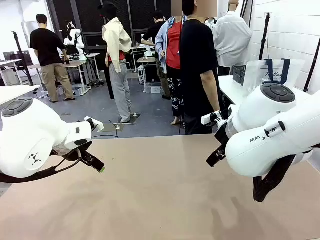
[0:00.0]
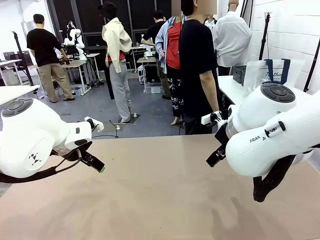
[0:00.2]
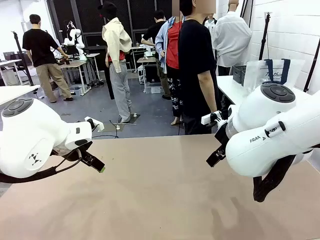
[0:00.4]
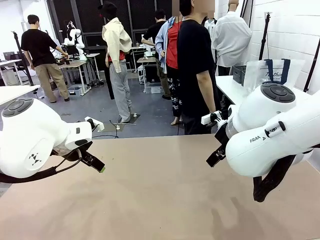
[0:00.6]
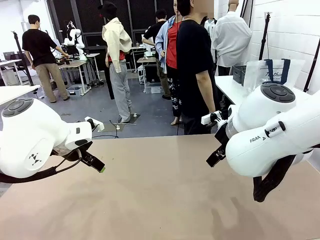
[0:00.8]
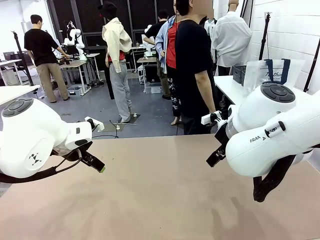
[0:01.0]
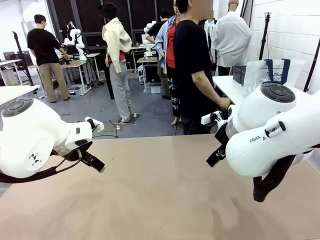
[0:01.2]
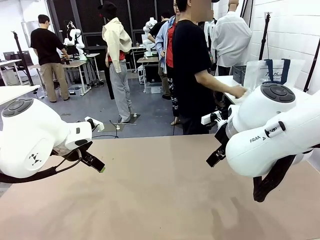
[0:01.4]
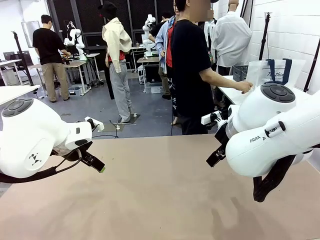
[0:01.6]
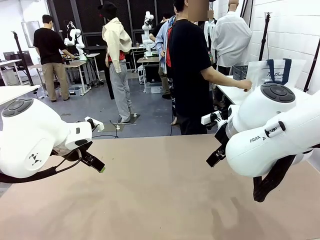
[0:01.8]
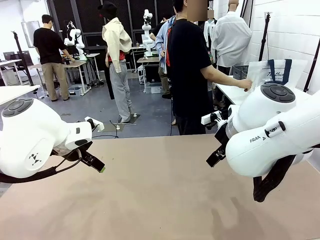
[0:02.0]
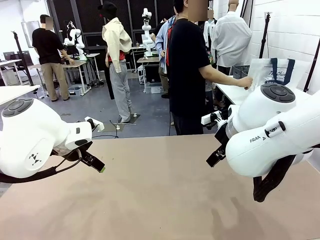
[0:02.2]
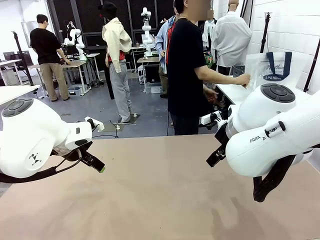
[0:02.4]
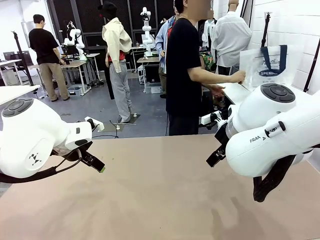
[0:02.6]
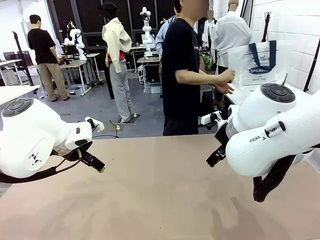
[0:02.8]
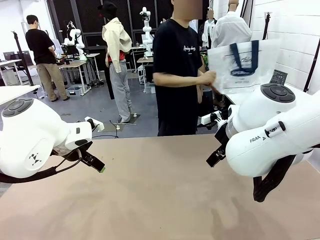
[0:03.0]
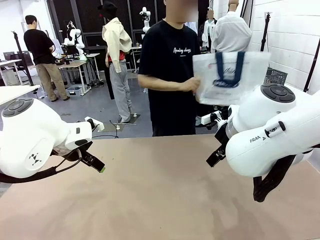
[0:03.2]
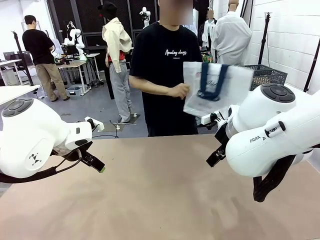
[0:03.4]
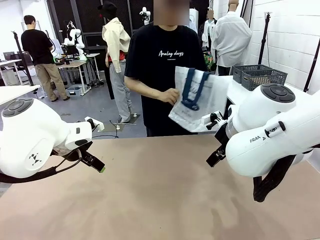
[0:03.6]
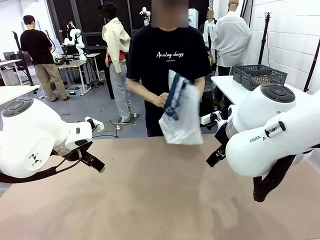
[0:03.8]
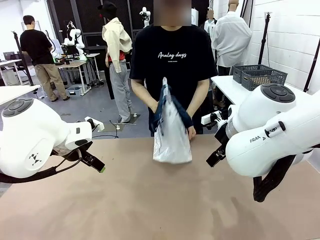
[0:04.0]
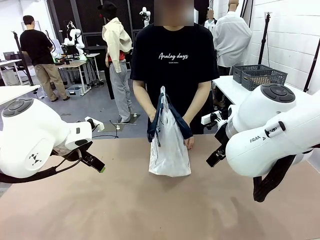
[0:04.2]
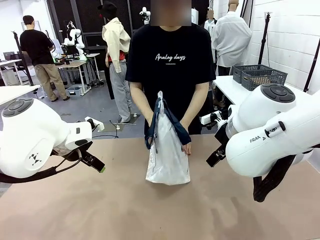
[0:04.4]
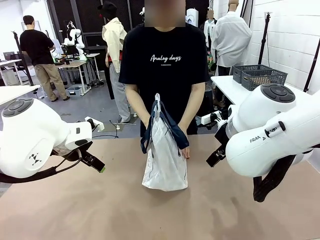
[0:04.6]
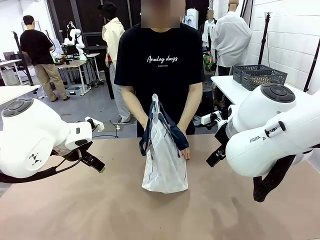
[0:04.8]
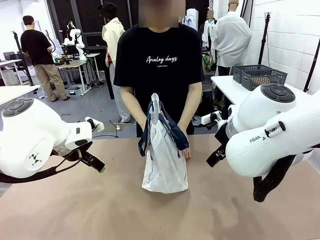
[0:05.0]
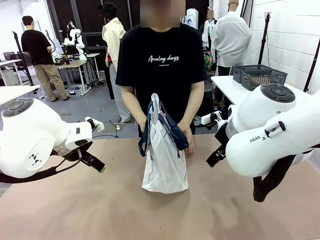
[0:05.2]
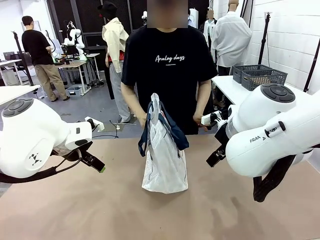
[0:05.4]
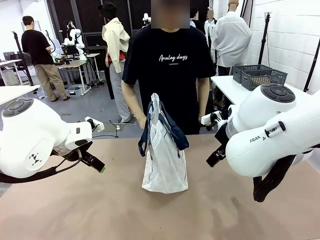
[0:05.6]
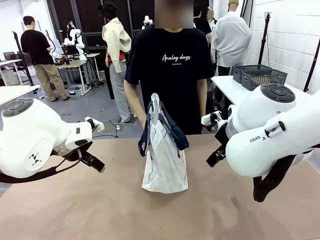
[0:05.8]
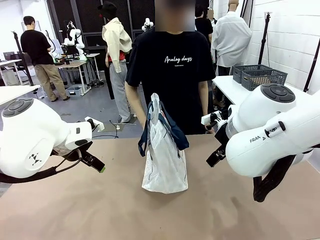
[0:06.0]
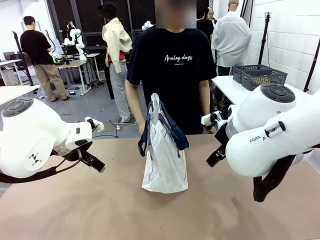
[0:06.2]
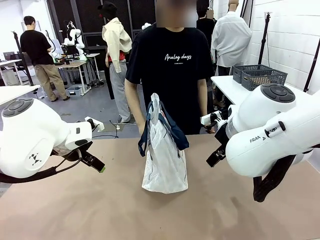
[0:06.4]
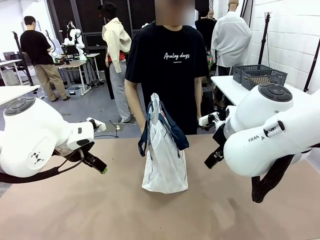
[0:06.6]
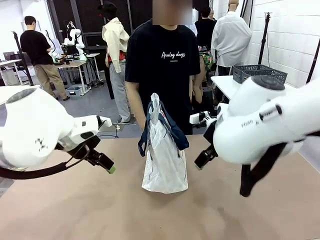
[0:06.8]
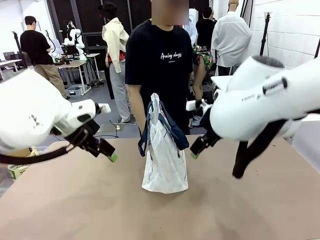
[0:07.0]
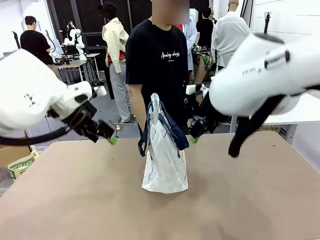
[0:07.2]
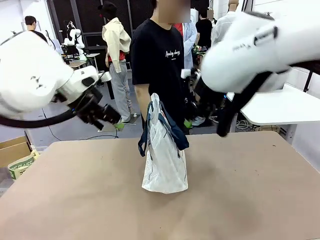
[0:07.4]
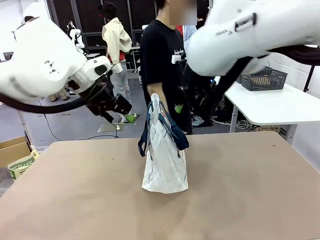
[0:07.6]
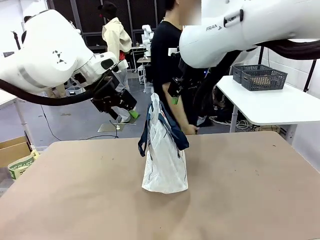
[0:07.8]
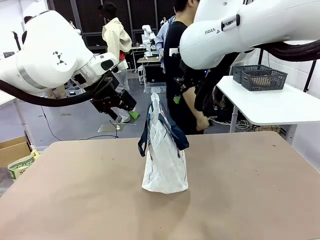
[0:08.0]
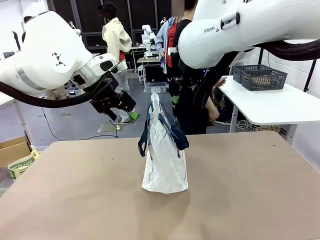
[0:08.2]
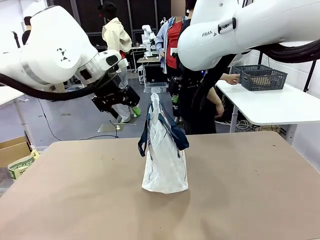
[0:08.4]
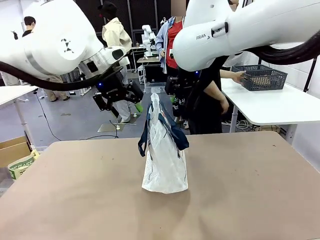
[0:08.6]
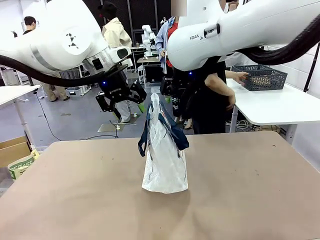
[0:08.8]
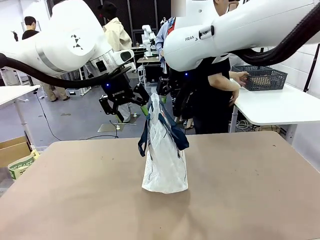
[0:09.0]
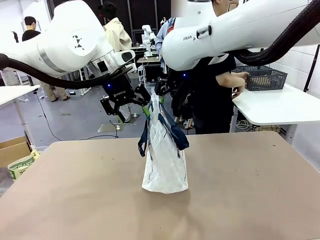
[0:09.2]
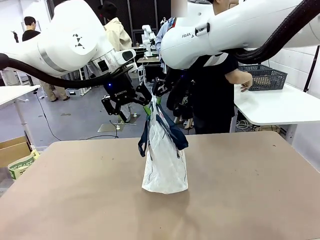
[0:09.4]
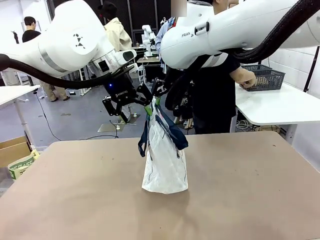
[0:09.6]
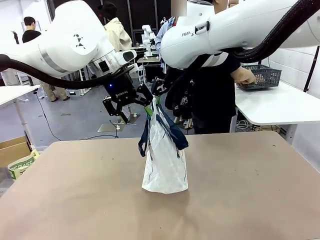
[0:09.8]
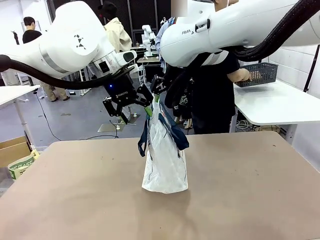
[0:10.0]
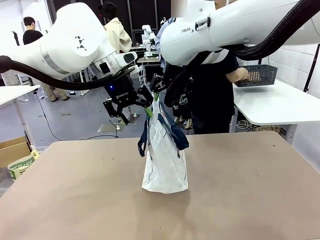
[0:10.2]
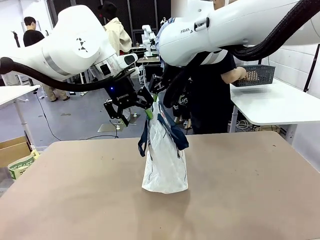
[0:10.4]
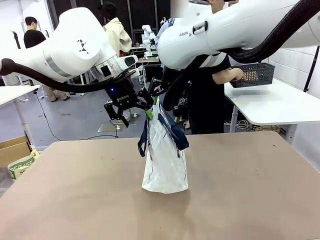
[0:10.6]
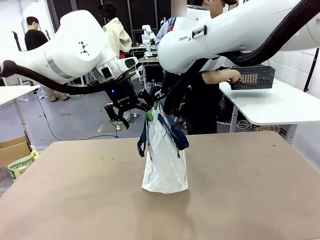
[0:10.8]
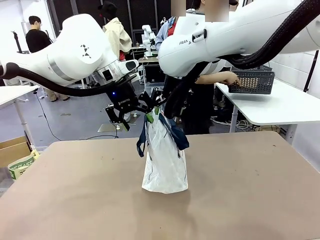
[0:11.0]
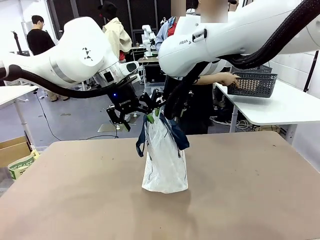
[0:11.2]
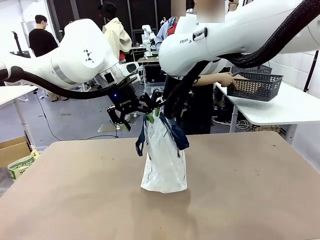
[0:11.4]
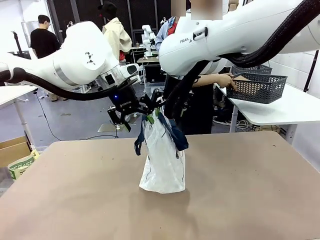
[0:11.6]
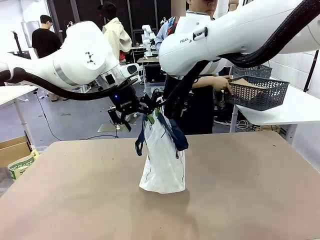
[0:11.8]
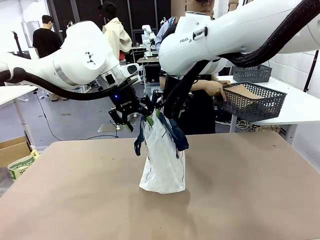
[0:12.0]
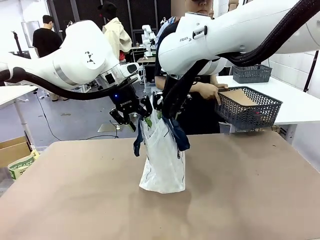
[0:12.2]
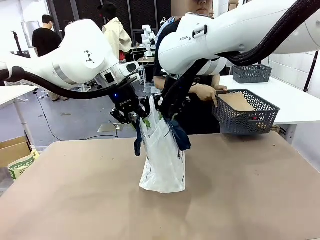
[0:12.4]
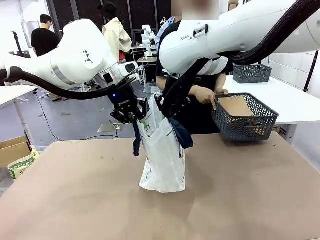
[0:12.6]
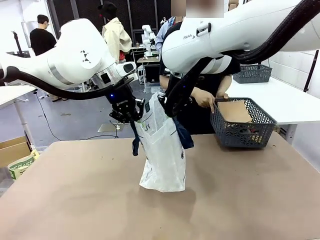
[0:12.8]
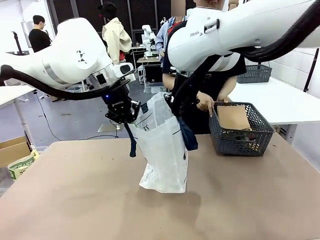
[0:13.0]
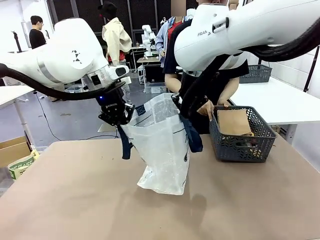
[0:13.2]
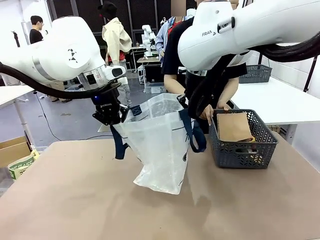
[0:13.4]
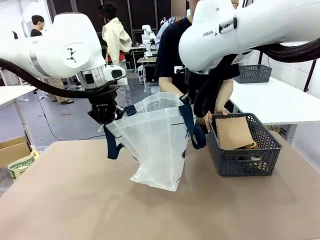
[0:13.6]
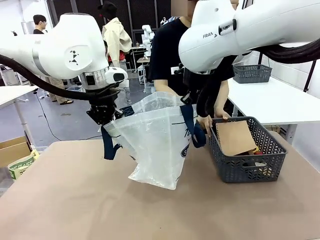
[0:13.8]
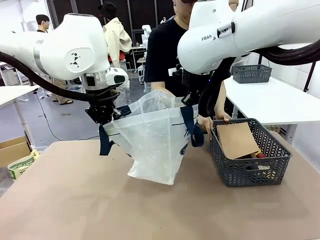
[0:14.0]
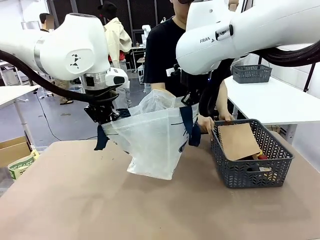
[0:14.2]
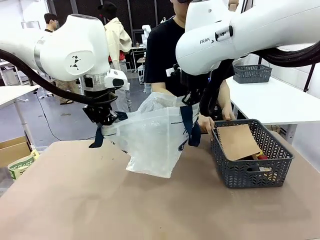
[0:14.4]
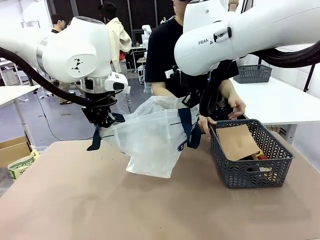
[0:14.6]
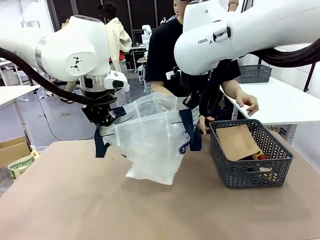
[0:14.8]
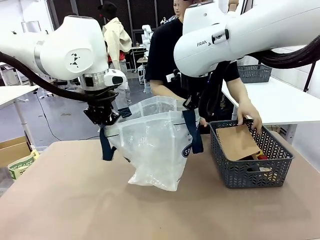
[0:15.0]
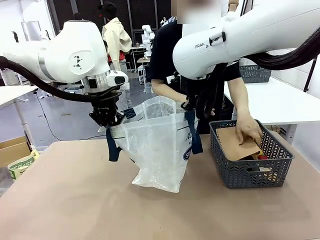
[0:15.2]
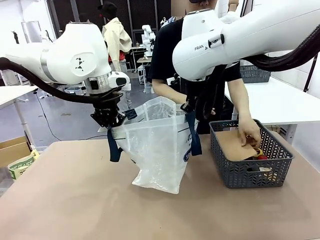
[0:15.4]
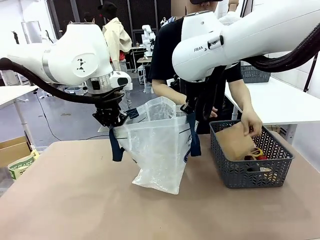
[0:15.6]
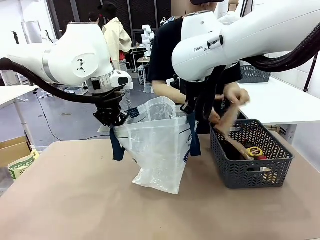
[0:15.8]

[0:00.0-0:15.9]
Task: Transfer purchased items from the store into the shopping bag.
Robot: Open the Reusable shopping bag in the center of the table.
Person: Pick up the shopping bag and place it in the middle of the robot table.

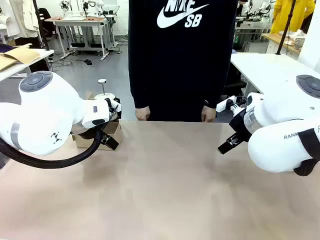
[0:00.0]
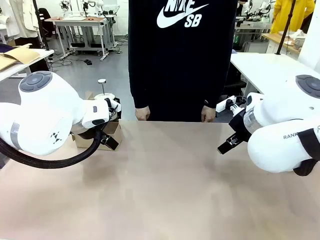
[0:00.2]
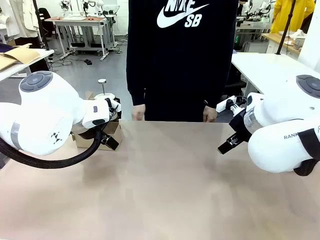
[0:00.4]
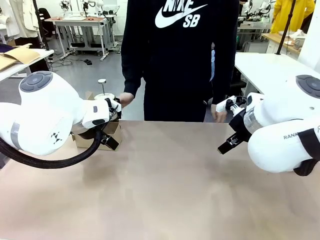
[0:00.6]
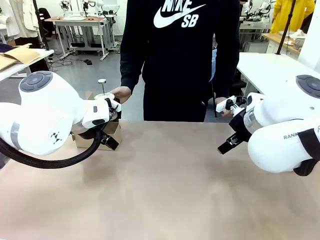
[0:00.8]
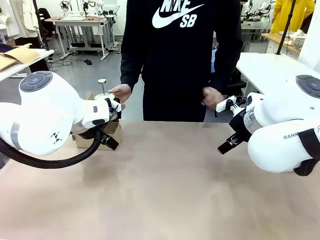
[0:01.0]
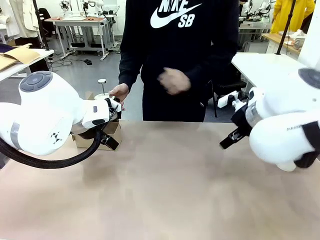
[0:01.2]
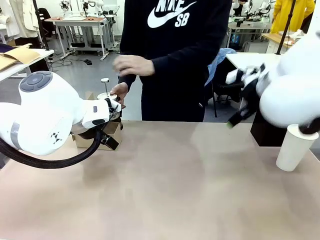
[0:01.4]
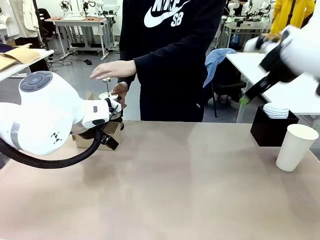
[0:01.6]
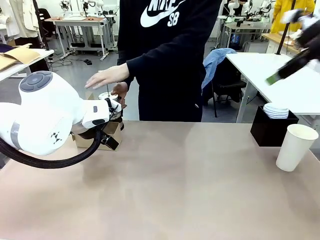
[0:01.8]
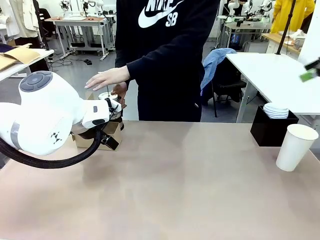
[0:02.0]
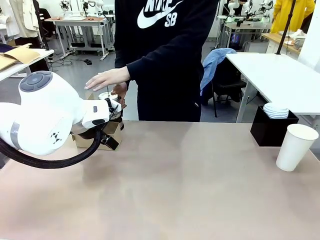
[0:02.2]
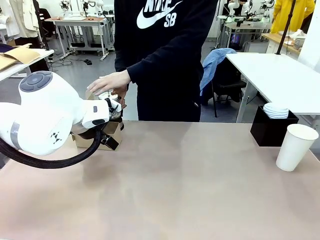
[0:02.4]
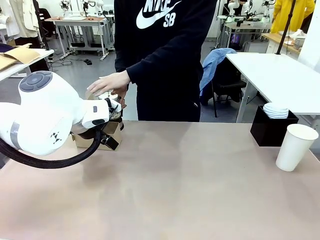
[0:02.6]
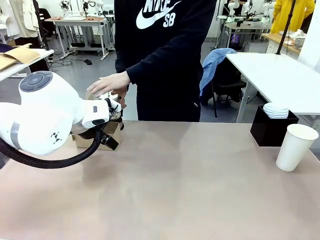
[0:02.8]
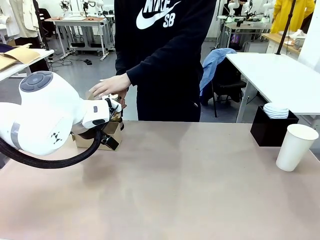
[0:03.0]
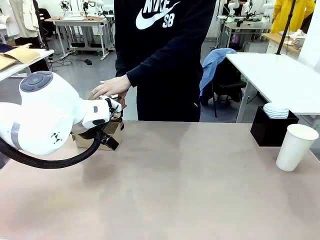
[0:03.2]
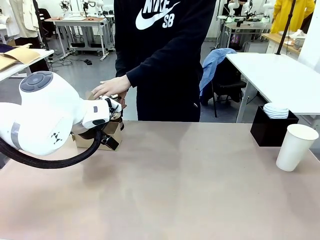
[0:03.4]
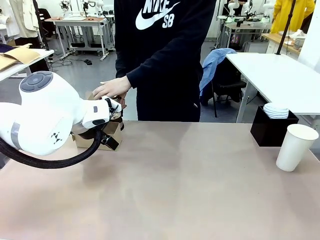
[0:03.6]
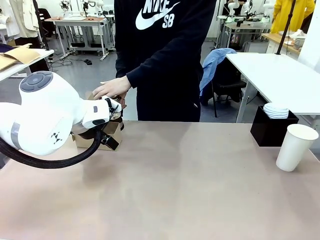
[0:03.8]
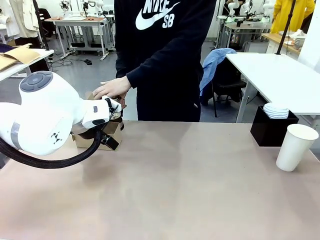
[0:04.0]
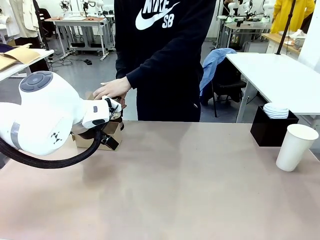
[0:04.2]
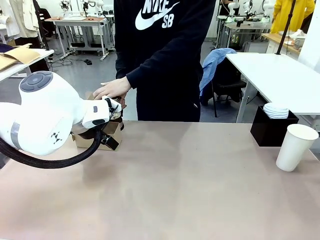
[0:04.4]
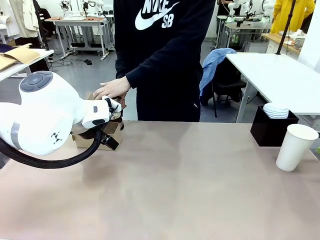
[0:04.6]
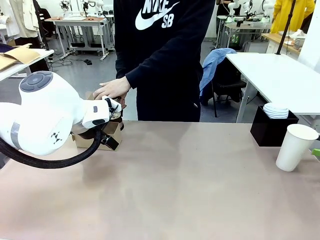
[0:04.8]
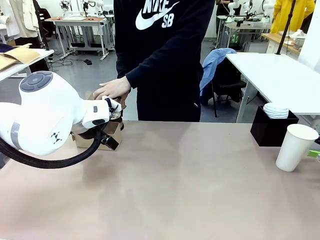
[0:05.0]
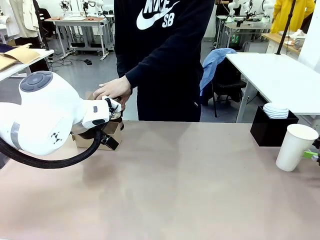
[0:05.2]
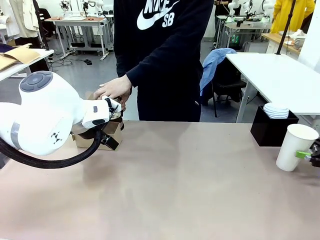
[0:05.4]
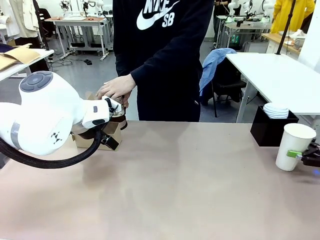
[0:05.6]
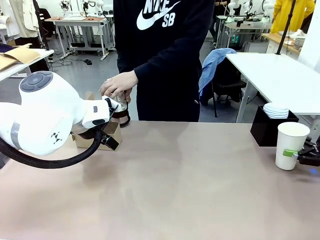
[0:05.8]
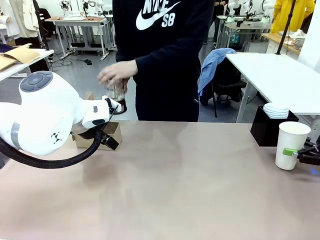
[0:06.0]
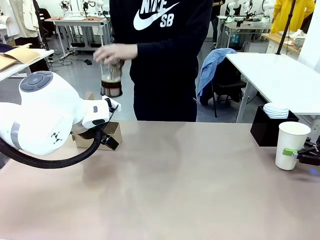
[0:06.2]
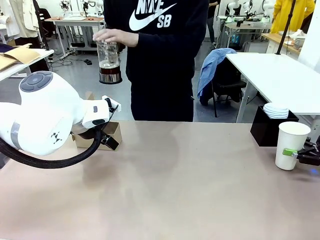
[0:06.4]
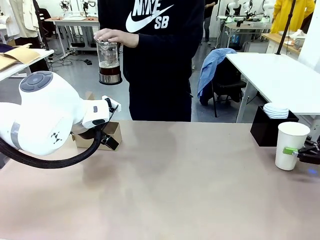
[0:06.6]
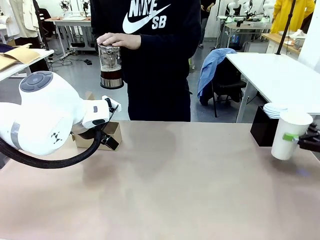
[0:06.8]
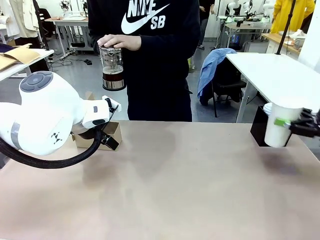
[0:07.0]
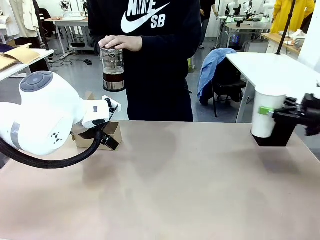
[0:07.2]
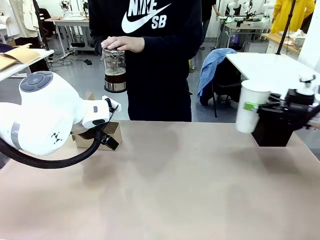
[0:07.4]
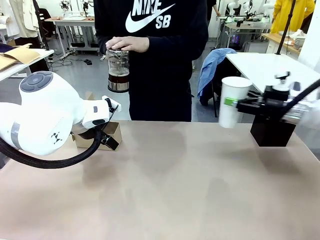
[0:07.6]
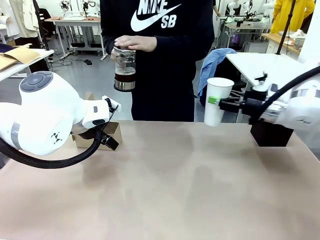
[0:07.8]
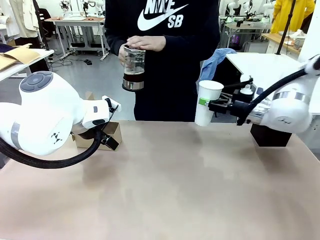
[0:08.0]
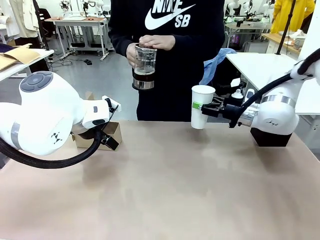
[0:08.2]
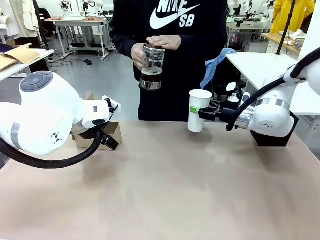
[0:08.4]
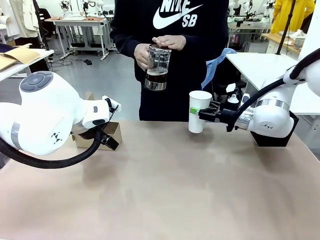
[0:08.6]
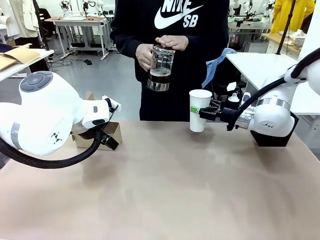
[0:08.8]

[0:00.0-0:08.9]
Task: Pour a drink into a cup and package it in a carrier.
Robot: Pick up the 600 ml Paper Cup and place it in the middle top area of the table.
Person: Press and pick up the Filter Brewing.
